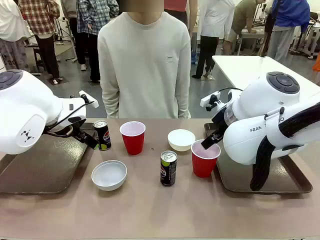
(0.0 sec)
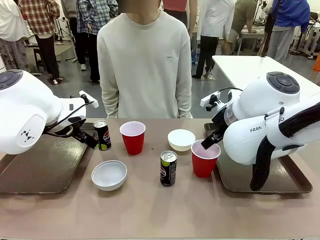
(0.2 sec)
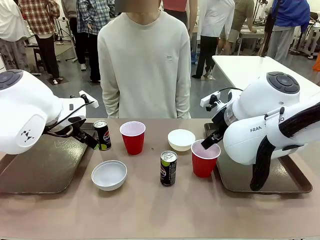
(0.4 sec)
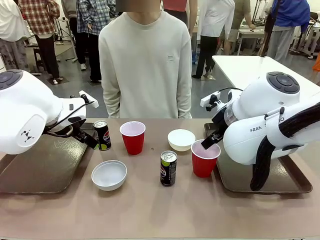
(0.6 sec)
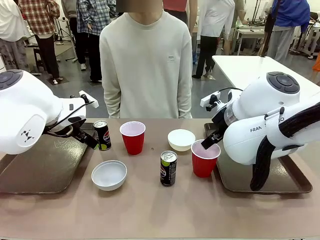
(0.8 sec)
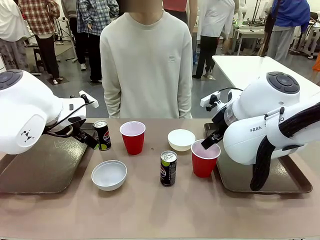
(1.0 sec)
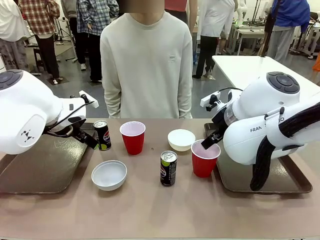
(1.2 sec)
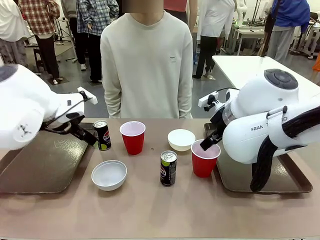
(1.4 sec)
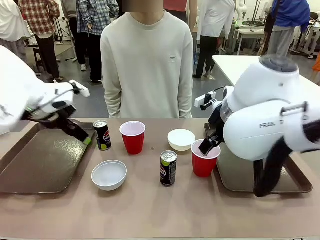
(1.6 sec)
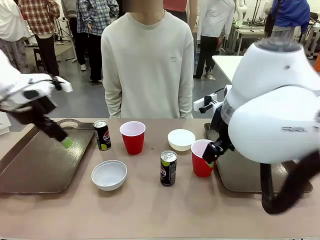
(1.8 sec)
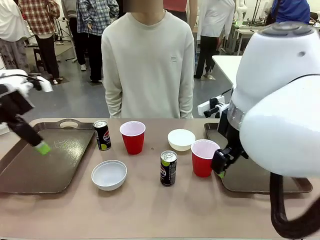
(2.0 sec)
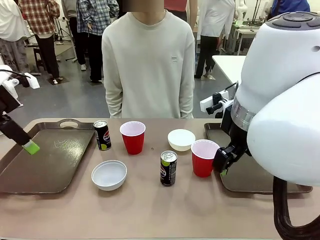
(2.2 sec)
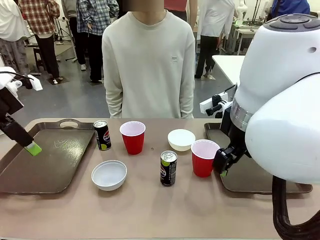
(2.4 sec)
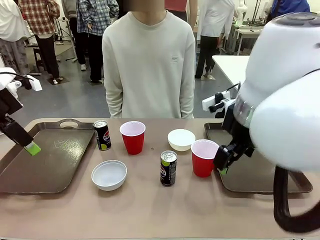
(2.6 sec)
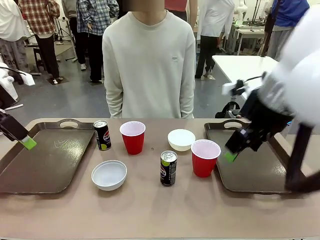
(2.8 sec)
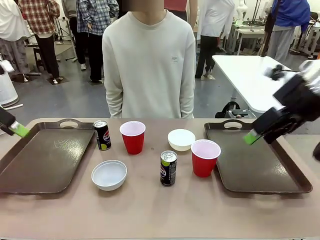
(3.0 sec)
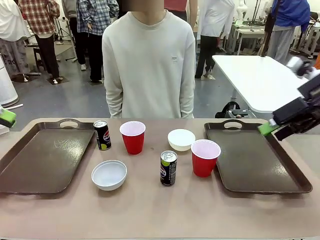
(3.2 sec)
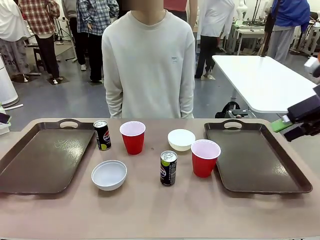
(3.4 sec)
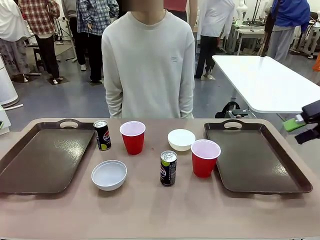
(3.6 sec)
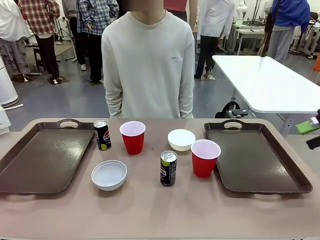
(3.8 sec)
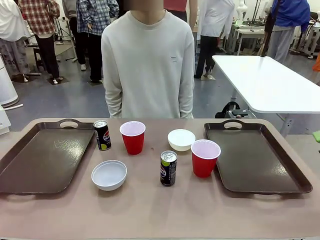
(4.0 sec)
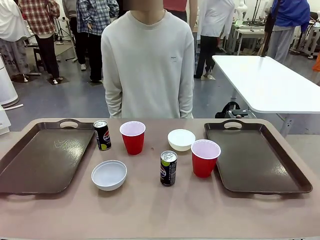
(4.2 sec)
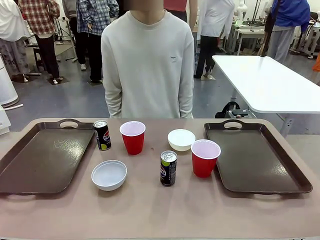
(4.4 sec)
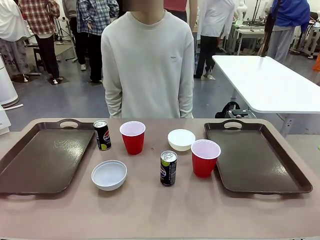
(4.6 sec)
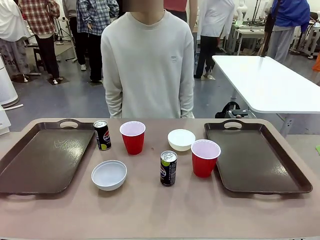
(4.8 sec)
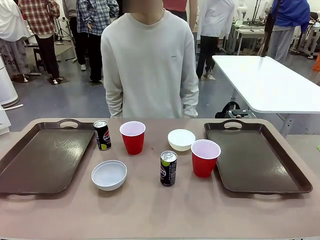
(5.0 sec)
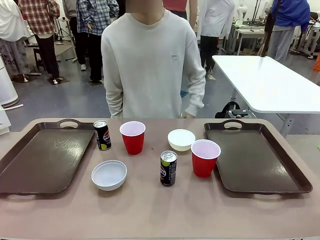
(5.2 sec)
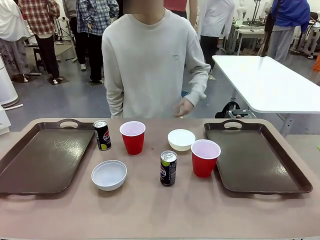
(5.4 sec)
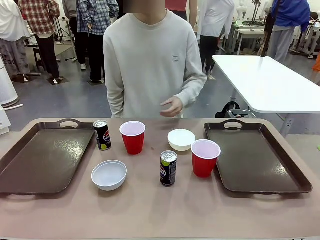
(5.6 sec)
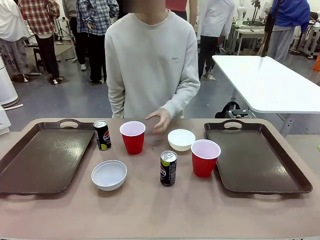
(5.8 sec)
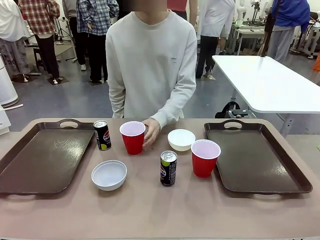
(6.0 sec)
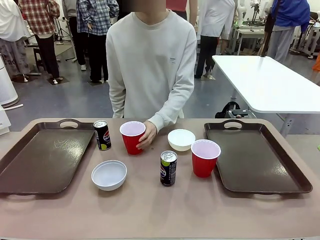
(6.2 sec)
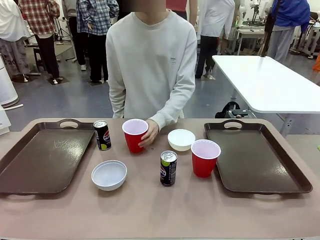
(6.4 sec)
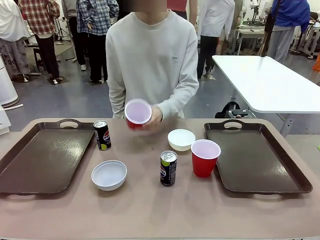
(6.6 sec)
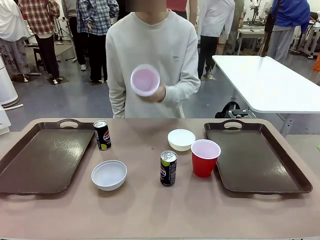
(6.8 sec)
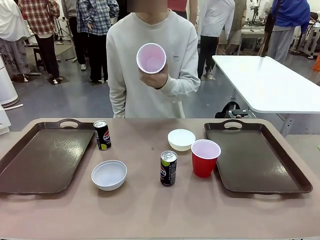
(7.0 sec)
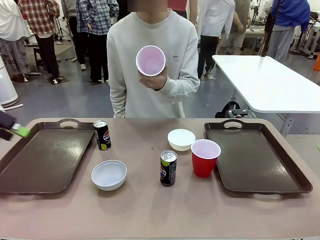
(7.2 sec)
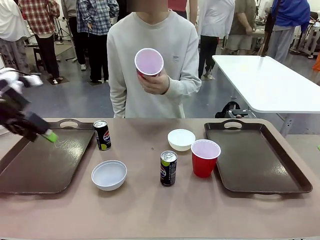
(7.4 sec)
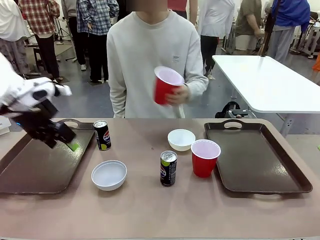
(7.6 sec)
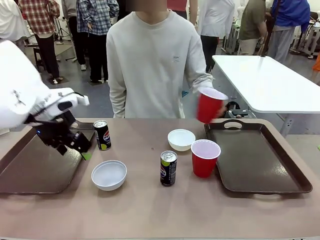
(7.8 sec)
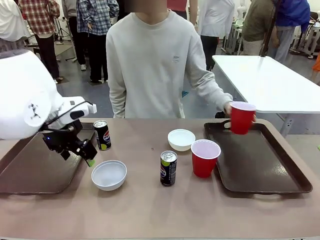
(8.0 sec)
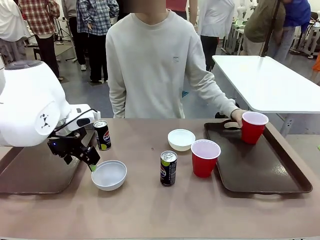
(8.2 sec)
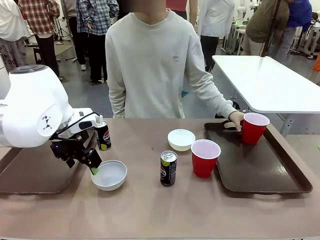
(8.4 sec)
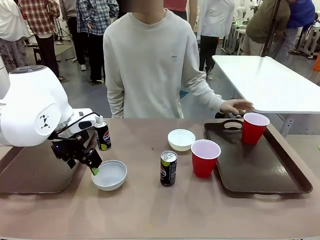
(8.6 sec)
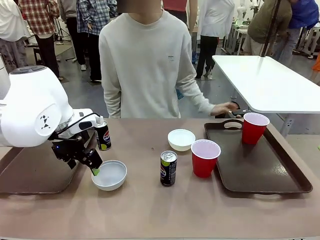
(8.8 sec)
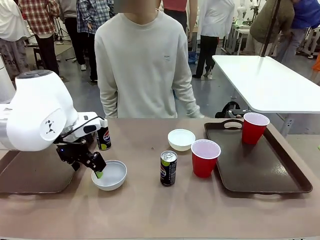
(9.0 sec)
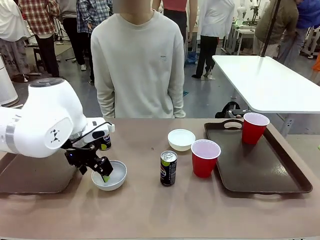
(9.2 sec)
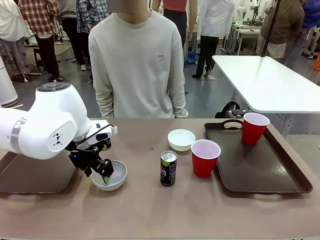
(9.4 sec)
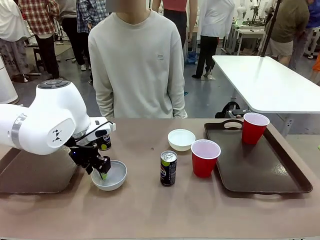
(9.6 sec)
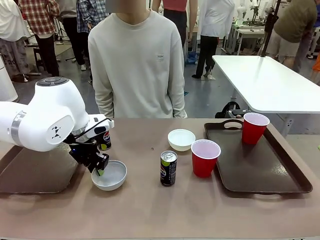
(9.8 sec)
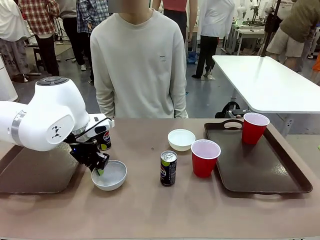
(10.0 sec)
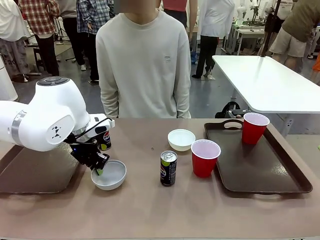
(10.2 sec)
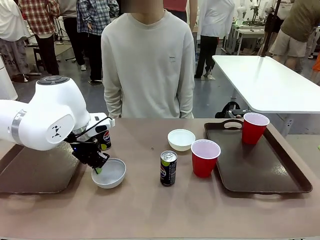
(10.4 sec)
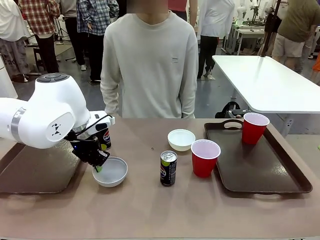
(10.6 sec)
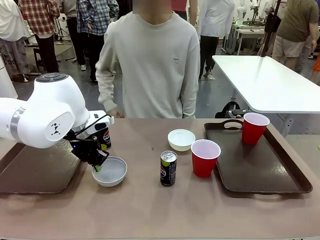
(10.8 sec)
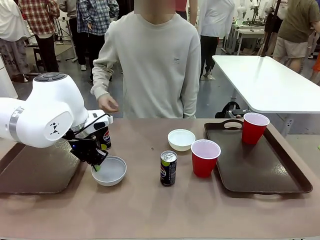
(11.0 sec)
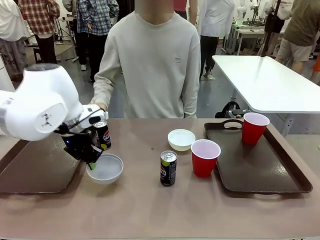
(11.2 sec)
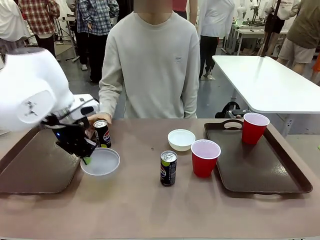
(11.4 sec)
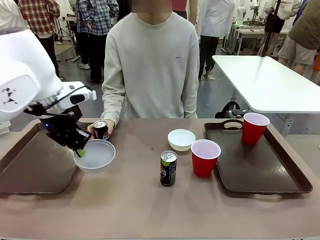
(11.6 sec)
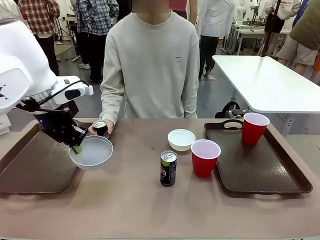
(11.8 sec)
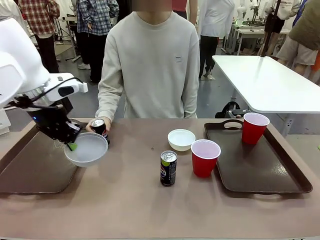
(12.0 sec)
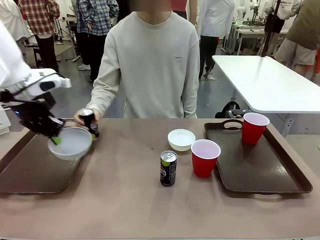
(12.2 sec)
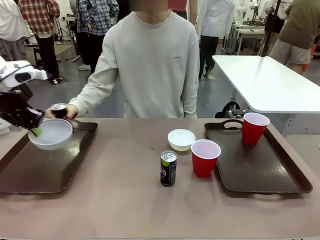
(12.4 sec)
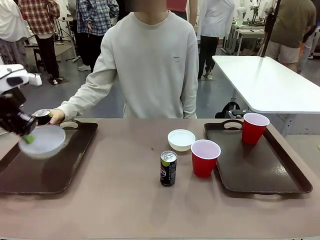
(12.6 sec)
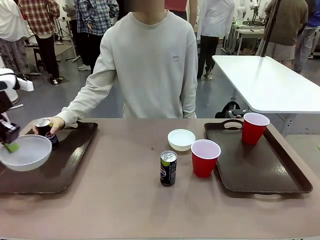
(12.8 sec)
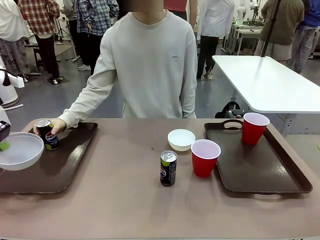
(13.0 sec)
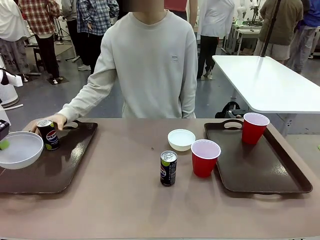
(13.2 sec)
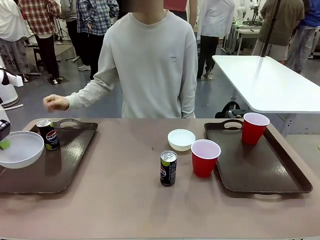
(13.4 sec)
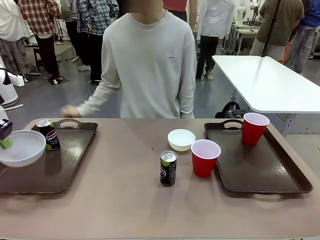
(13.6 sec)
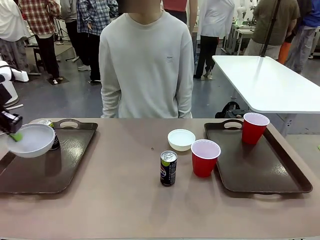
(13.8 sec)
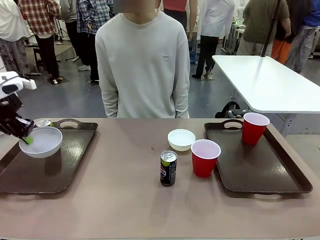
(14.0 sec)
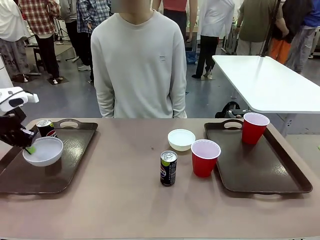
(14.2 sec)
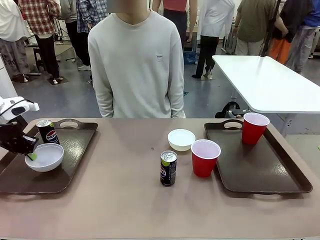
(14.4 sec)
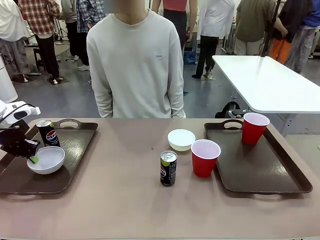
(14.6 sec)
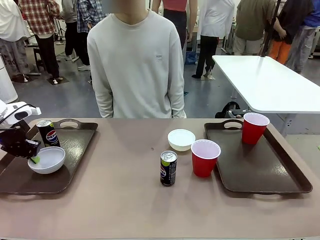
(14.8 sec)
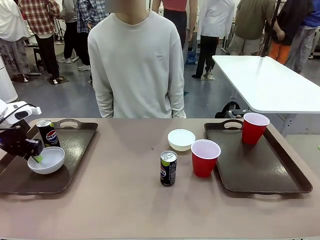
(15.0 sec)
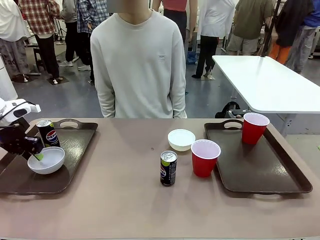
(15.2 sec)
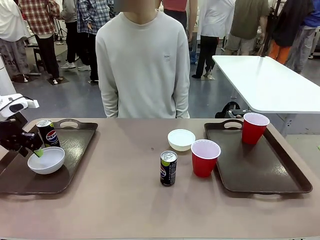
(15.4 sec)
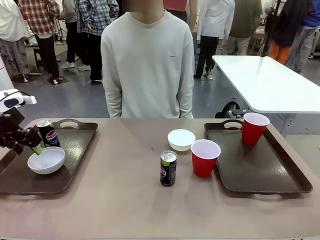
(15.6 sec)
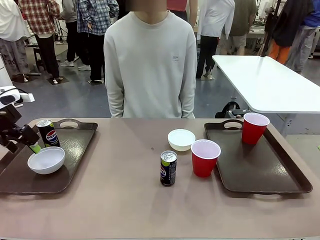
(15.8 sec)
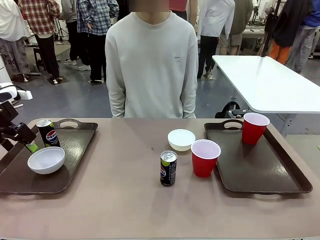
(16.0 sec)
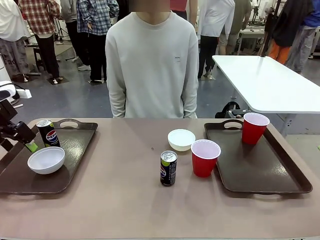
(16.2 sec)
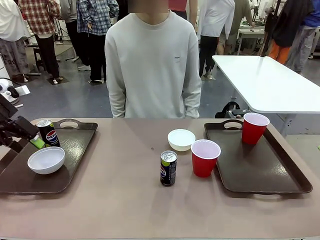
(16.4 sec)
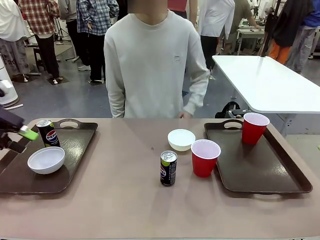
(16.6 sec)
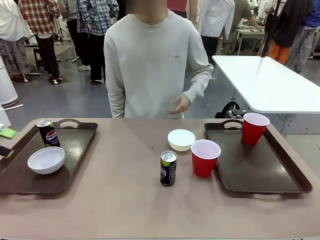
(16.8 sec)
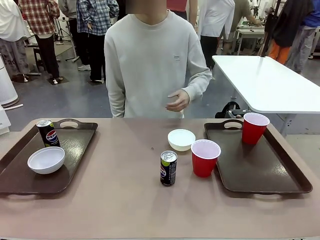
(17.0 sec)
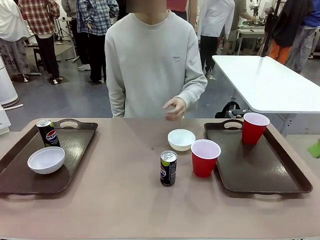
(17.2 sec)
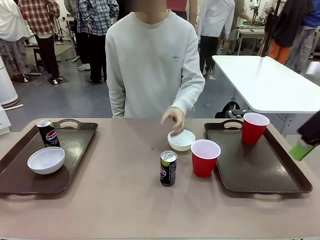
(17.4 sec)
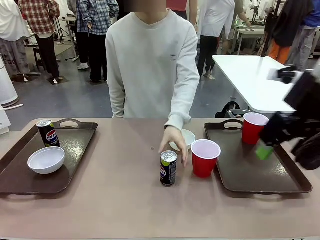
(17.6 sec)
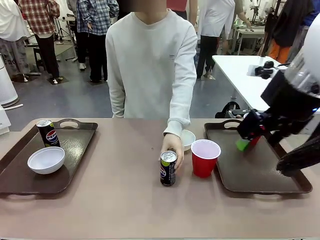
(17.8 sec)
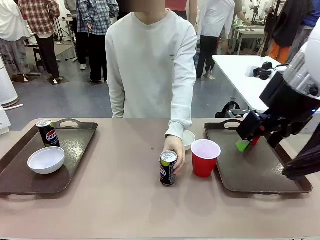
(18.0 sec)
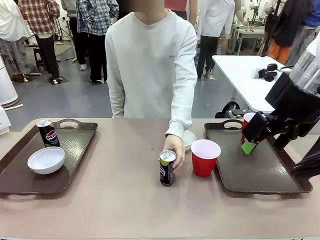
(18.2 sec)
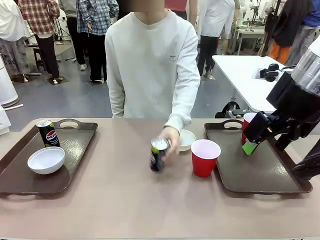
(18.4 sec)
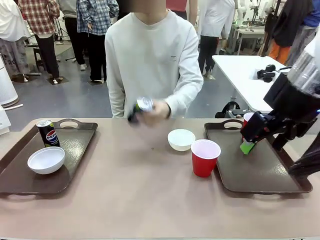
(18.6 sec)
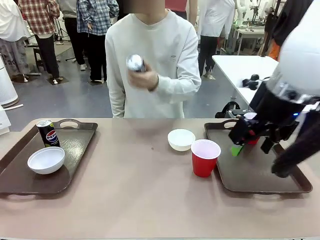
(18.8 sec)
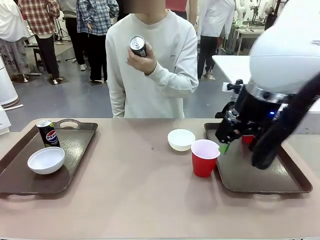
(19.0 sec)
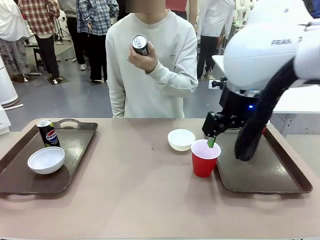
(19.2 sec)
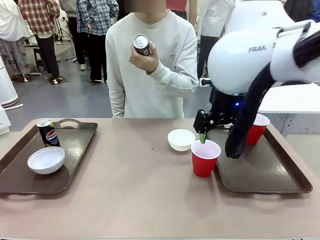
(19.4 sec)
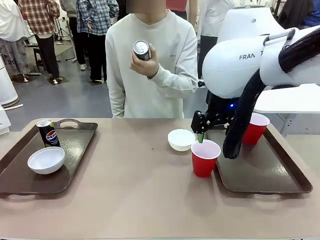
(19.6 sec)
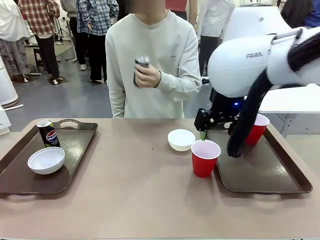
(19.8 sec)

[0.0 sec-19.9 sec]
Task: Prepare tableware on both trays.
Robot: Pick up a Picnic Bowl from the table and place it on a Handle tray.
Person: Pick up a can or cup and place it on the tray.
